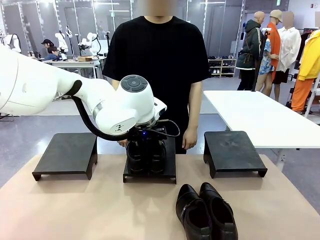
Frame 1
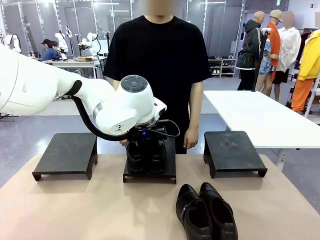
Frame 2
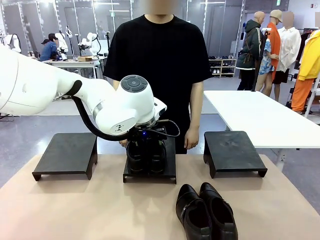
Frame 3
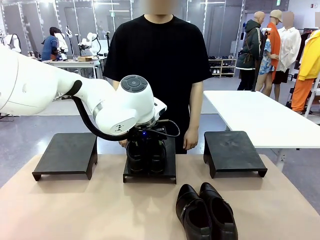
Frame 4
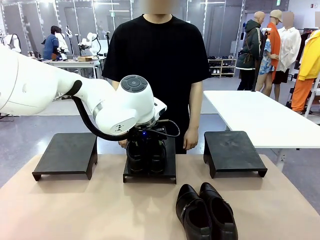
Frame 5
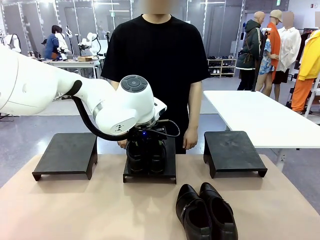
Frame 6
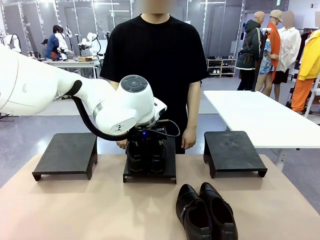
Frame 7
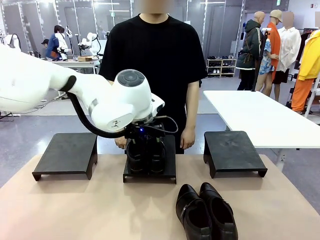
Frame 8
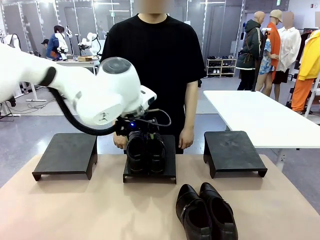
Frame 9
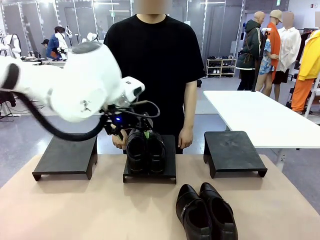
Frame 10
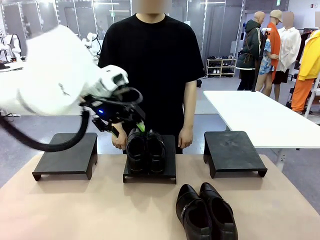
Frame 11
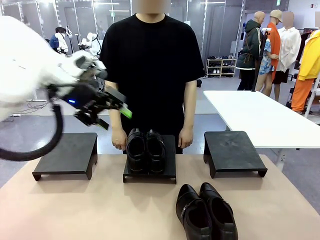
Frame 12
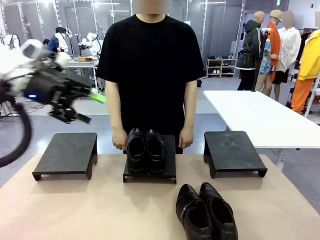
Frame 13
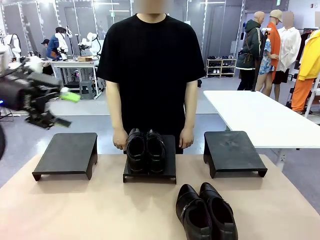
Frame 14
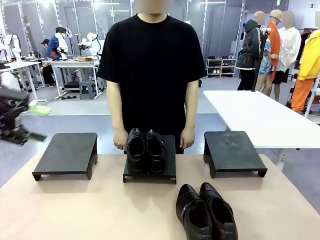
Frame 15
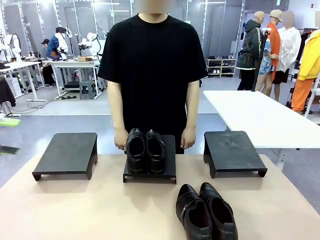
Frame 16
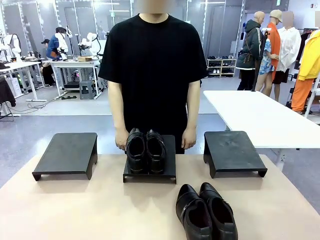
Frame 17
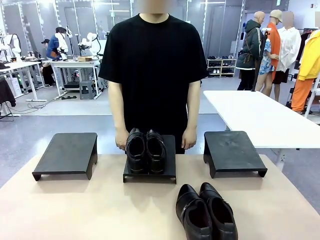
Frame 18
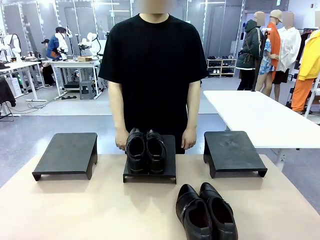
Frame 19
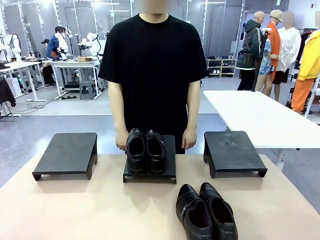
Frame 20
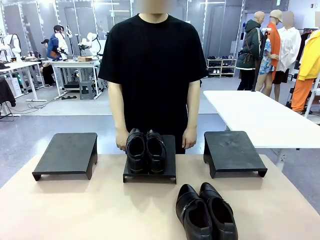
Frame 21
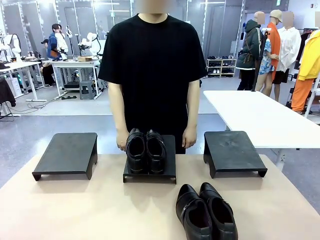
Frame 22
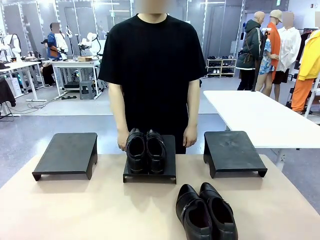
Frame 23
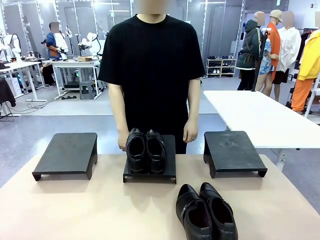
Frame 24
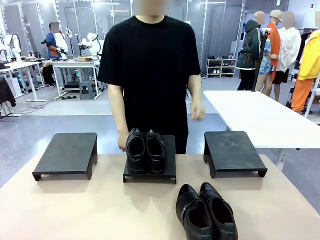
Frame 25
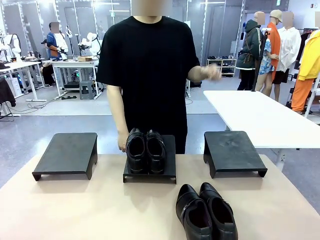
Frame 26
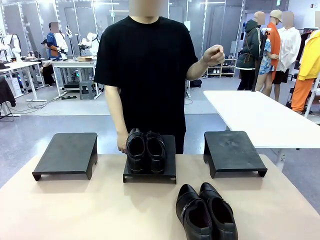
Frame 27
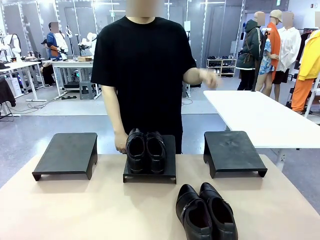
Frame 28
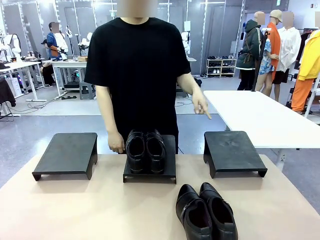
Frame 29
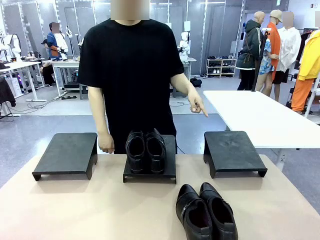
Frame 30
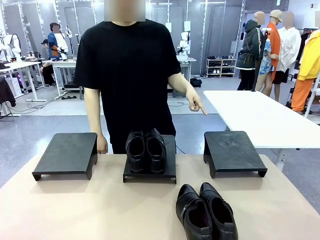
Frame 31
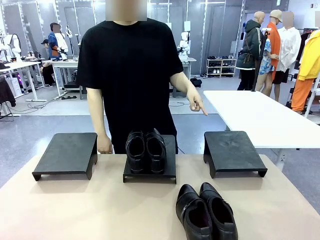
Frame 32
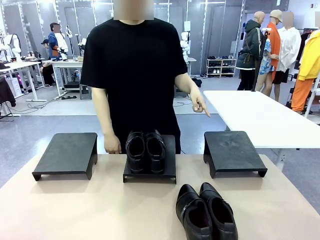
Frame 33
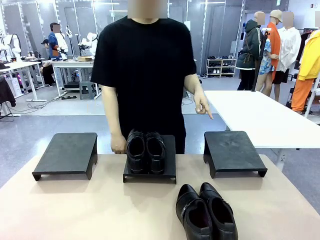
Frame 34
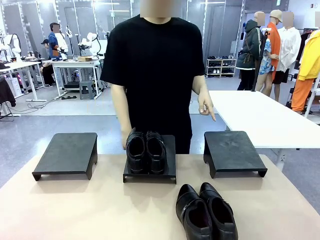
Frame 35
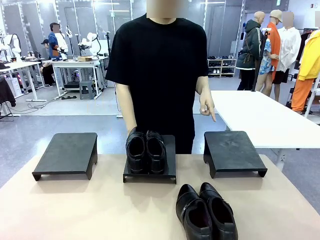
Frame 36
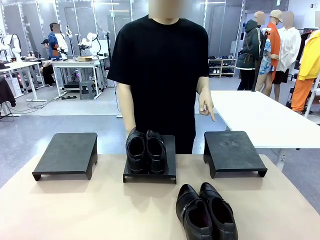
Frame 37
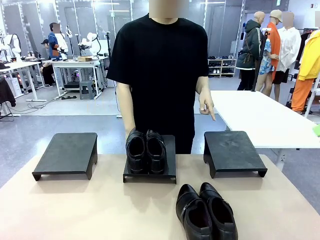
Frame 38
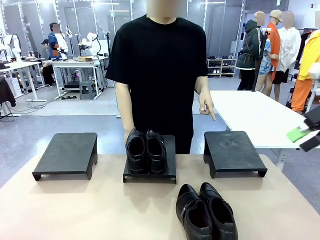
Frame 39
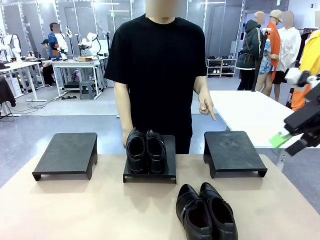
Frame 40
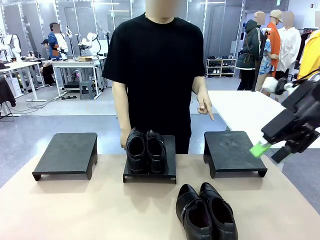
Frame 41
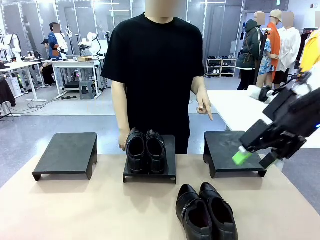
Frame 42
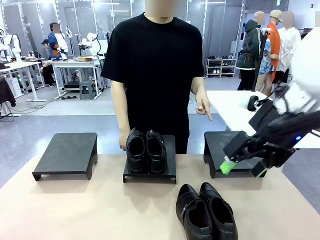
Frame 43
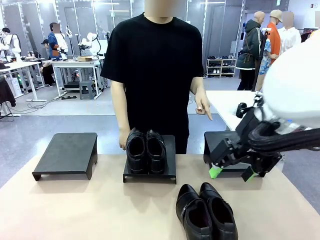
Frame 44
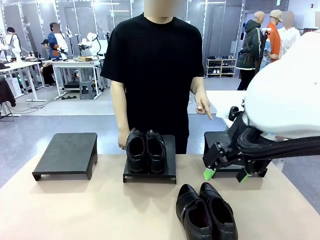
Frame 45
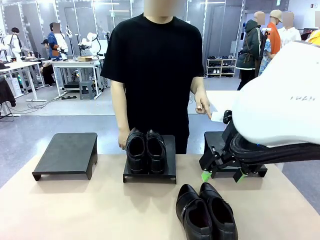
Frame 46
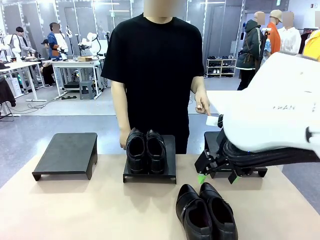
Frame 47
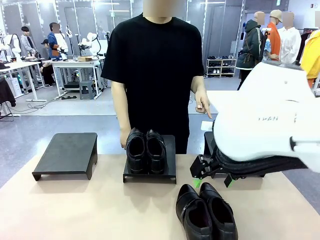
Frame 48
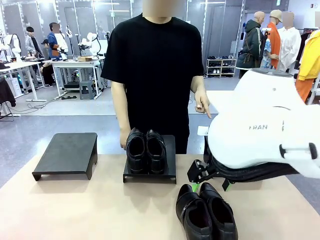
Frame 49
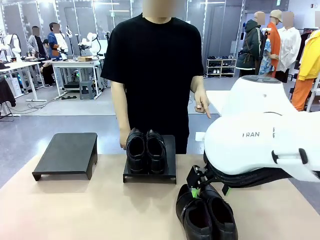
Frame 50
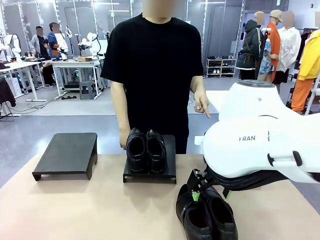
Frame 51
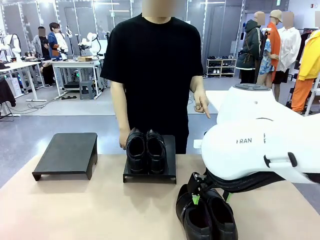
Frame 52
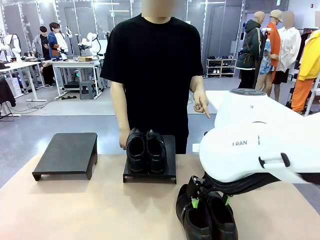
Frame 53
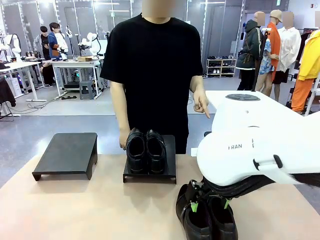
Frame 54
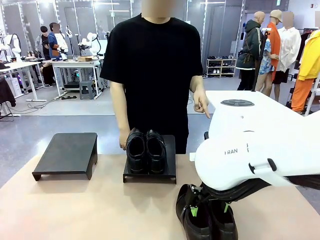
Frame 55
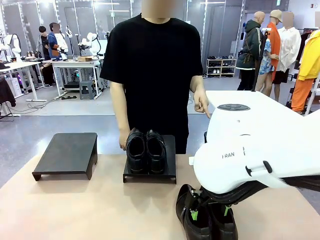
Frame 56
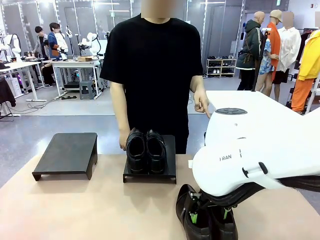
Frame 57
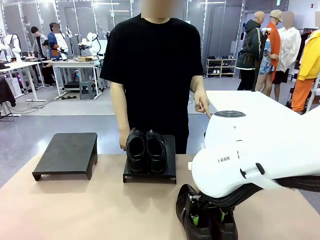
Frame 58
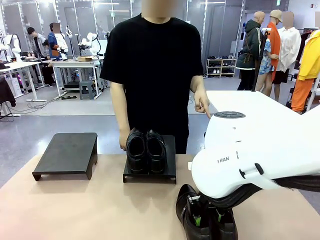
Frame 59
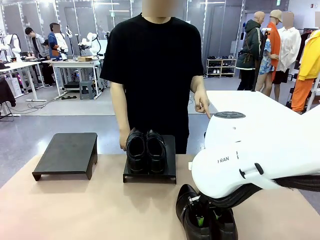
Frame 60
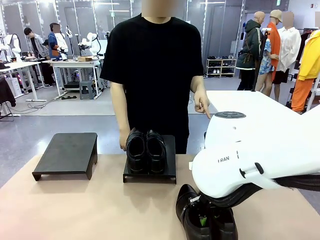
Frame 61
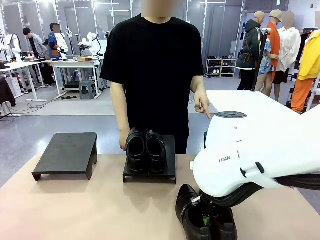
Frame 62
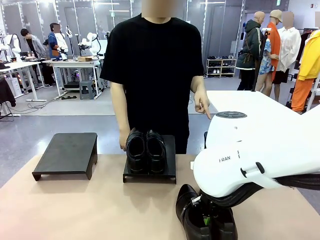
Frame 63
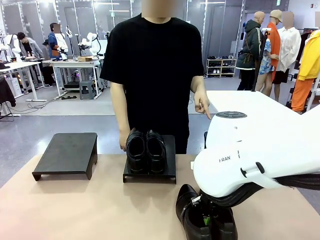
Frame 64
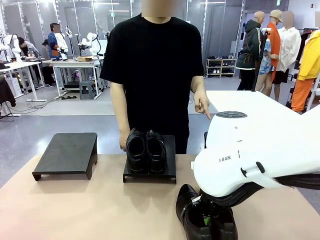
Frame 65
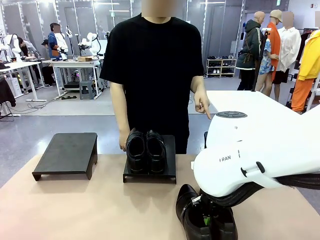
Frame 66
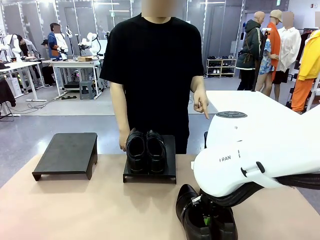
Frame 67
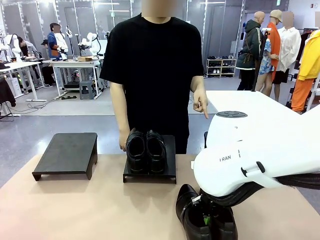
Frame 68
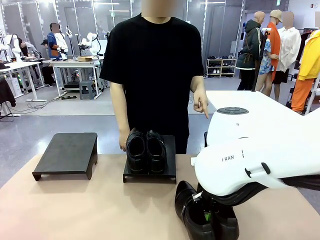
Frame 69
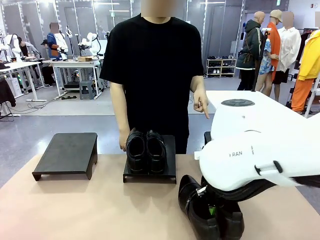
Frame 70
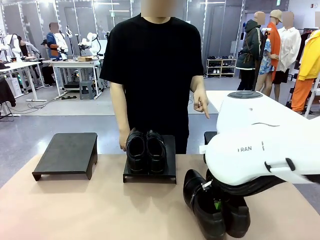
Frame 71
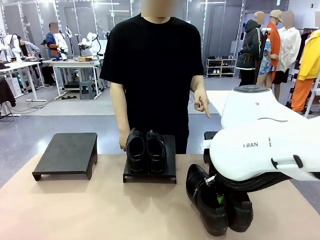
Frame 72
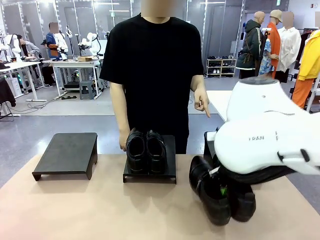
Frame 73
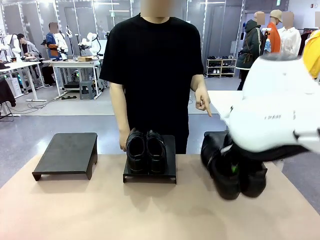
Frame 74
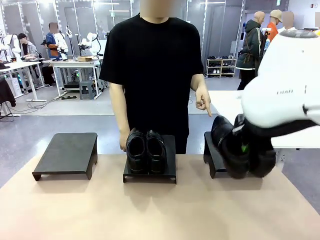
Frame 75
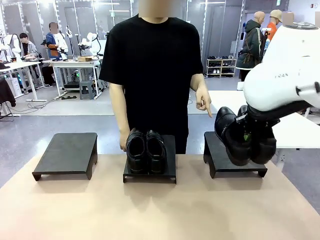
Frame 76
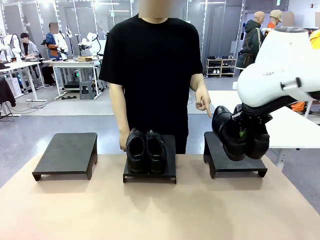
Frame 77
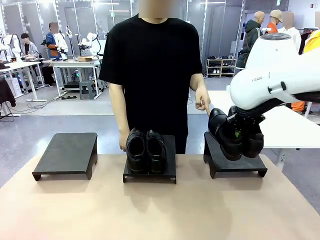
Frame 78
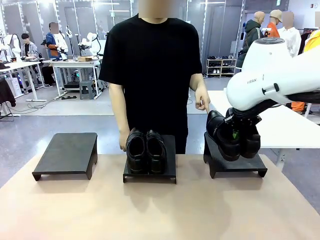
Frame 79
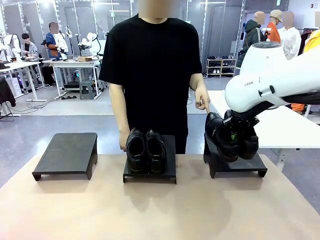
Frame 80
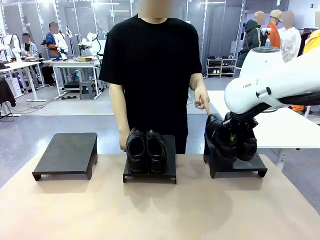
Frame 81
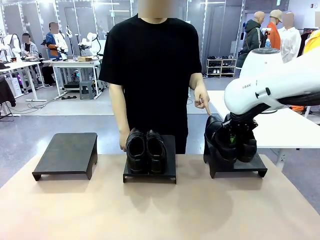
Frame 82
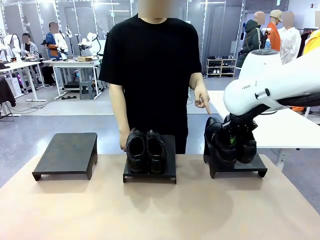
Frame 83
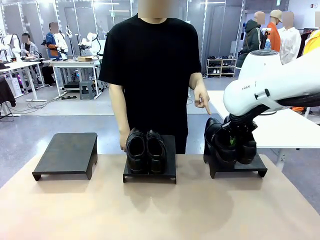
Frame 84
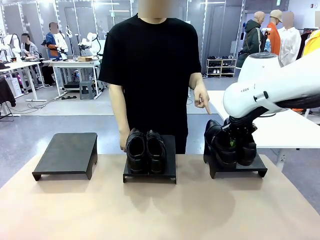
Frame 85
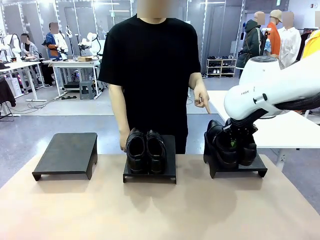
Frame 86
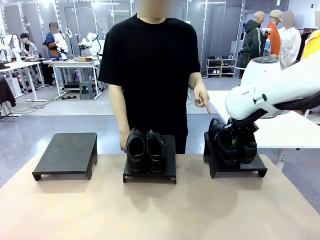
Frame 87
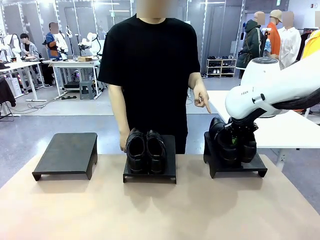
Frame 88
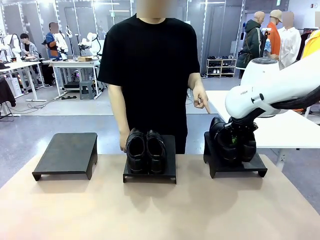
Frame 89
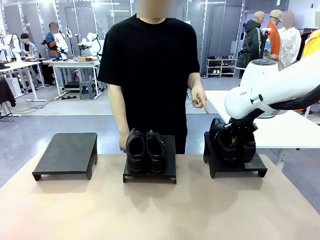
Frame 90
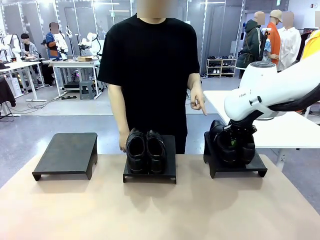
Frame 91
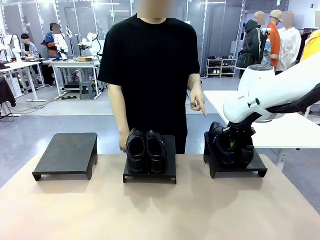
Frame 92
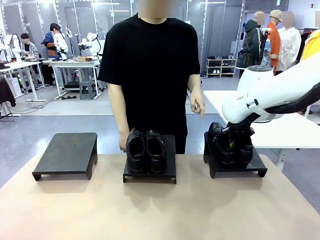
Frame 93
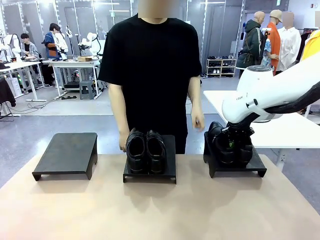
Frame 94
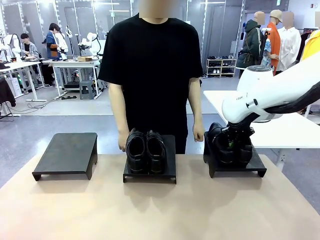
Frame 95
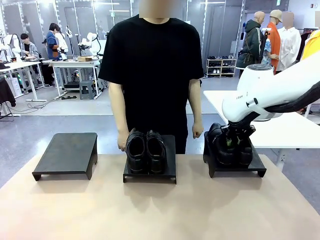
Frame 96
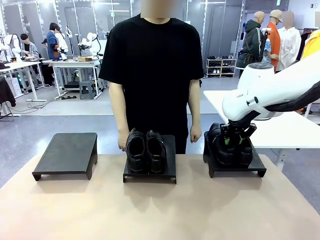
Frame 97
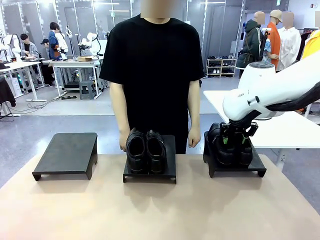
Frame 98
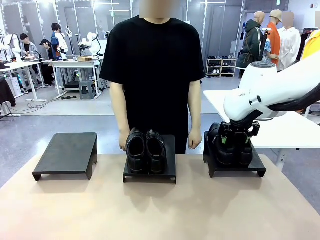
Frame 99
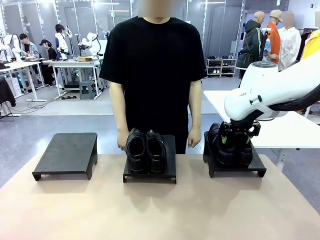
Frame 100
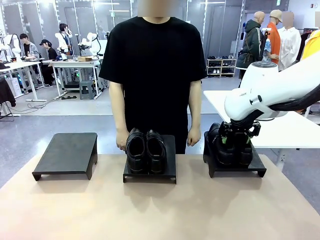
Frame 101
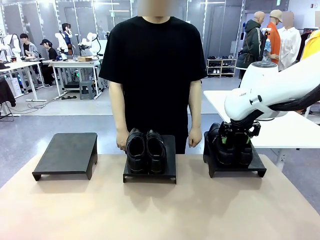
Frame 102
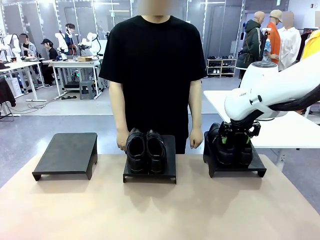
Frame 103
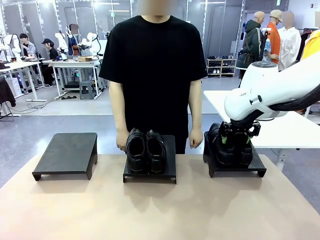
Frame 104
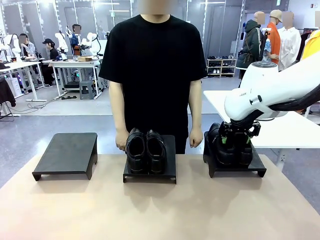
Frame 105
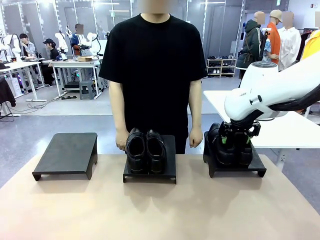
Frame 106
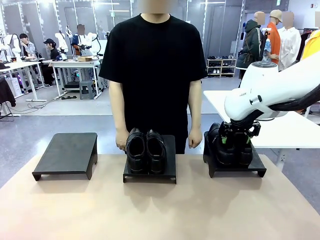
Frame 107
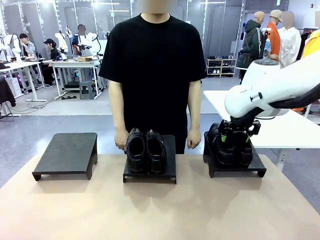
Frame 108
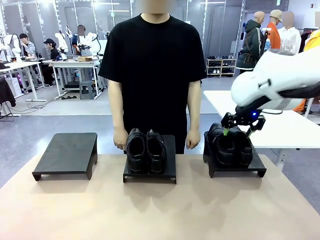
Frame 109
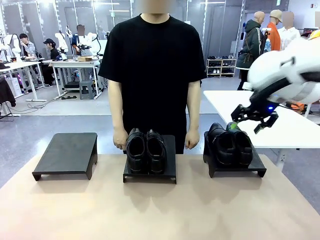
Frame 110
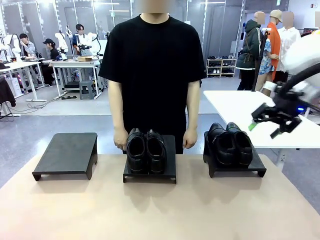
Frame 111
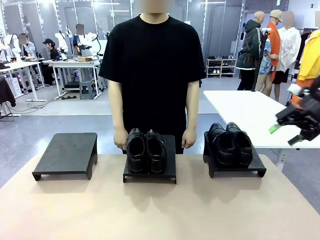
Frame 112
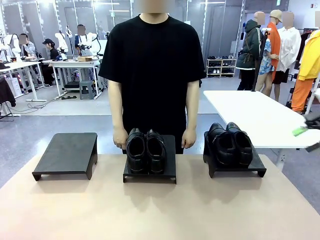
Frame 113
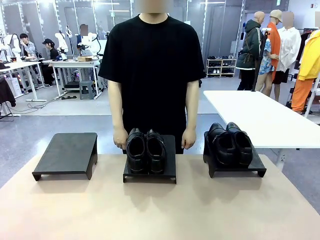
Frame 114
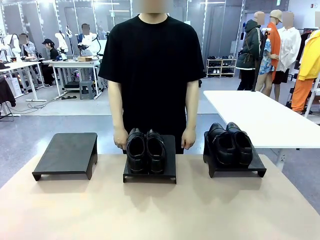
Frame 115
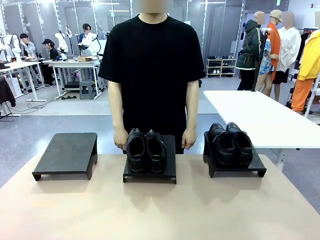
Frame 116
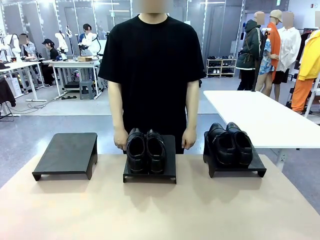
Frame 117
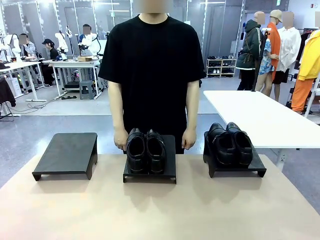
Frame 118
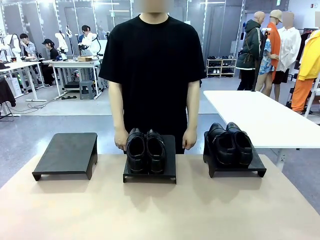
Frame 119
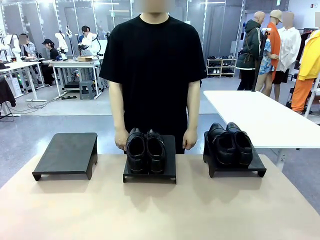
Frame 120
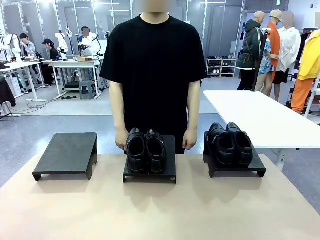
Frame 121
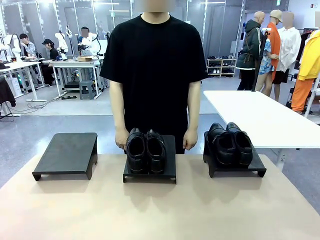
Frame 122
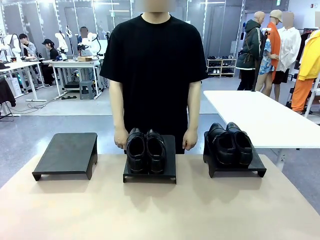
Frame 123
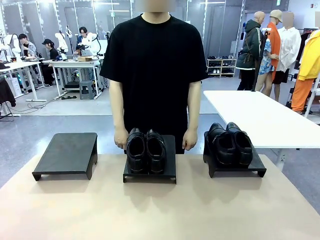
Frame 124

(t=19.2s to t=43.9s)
Task: Place the shoes on the stand as instructed by the person.
Robot: Pick up another pair of Shoes and place it on the Shoes Stand indicated by the person.
Person: Point to one Shoes Stand.
